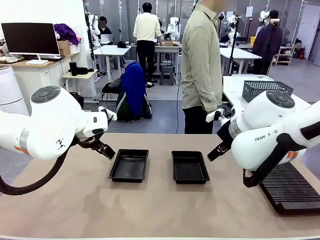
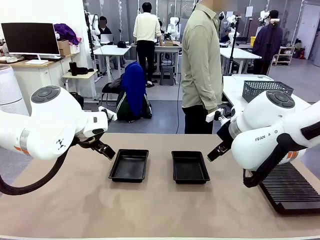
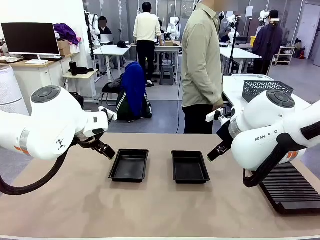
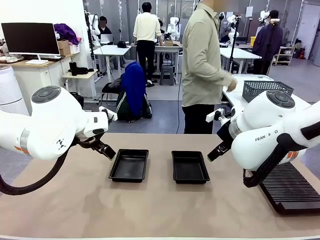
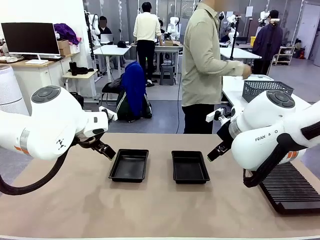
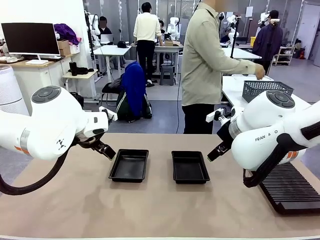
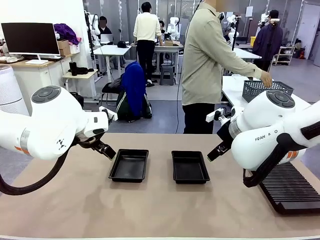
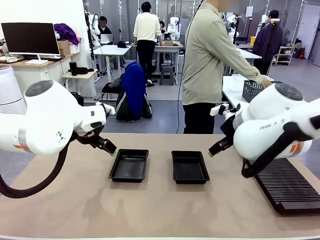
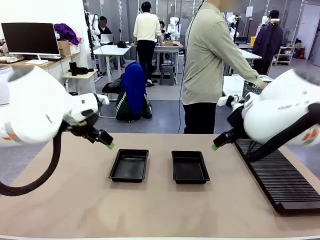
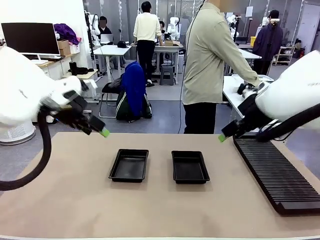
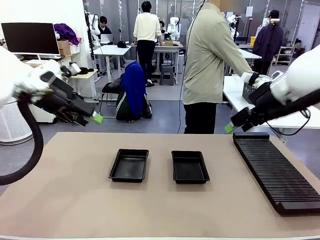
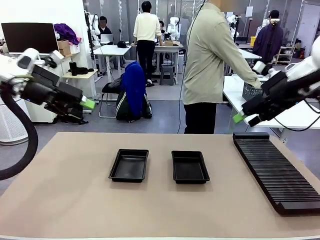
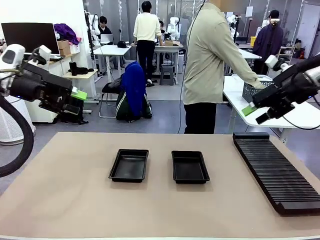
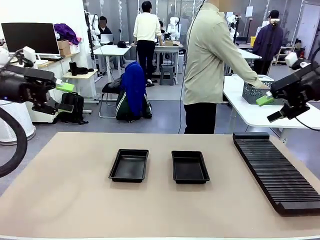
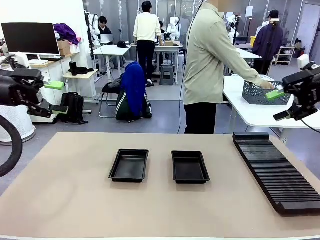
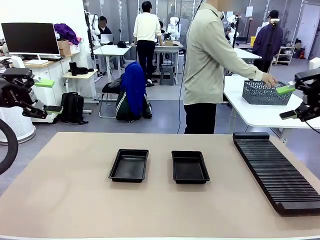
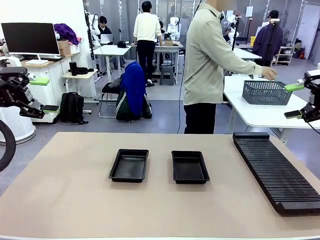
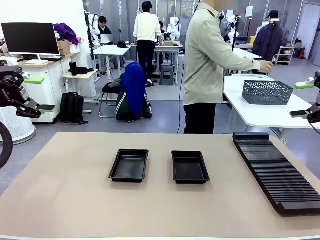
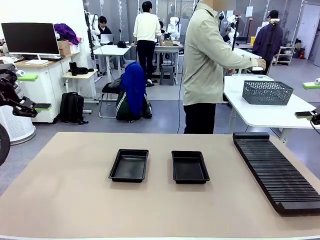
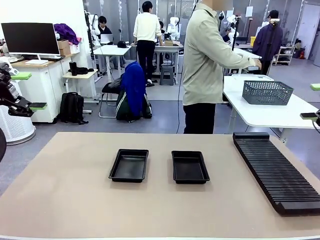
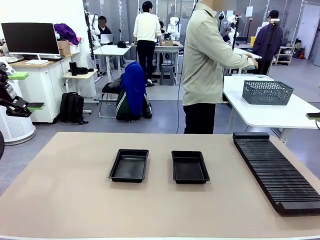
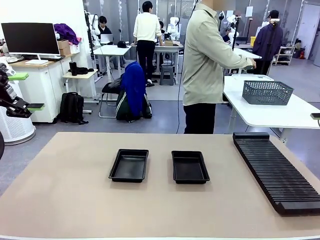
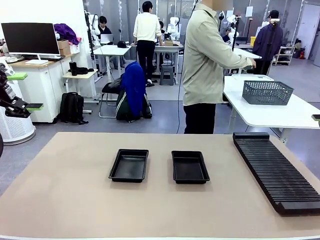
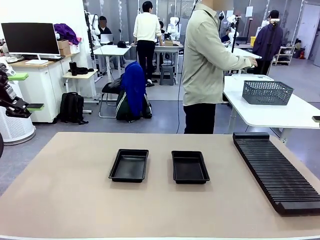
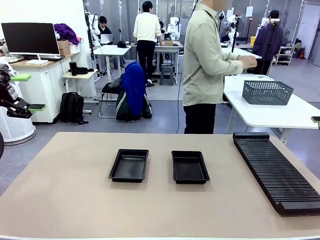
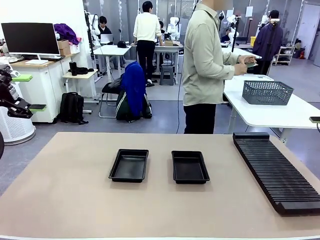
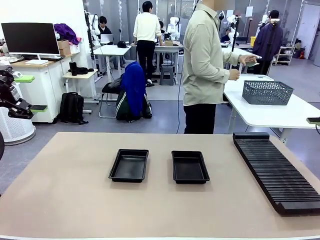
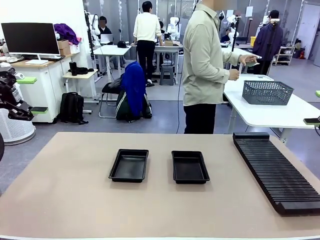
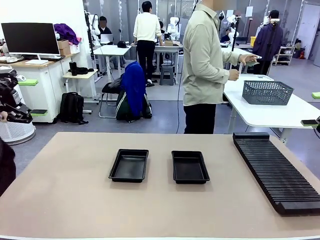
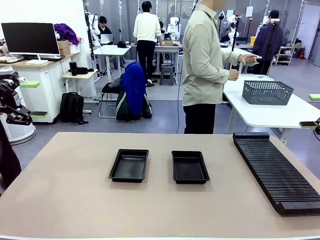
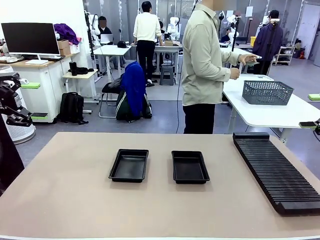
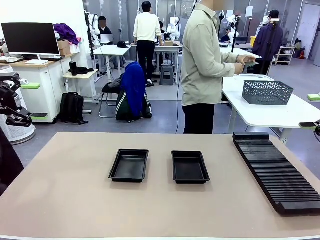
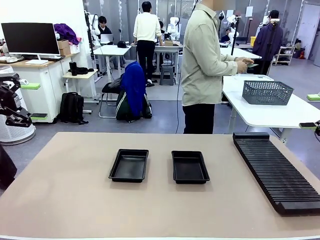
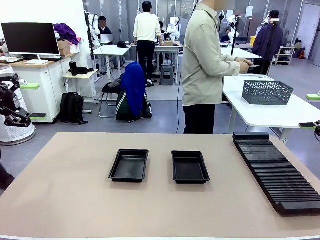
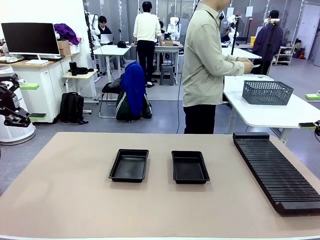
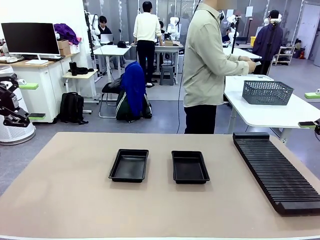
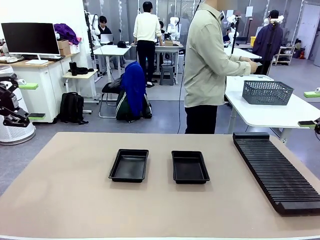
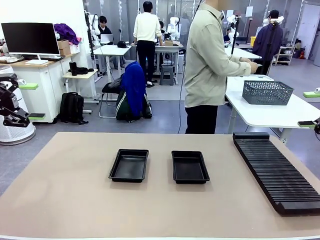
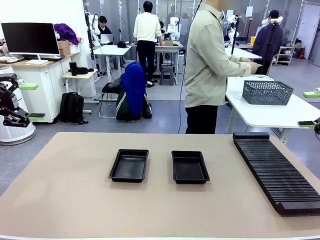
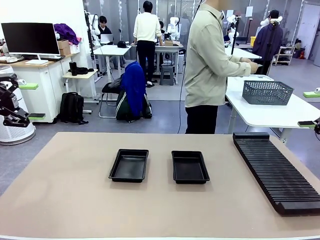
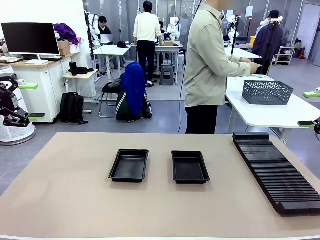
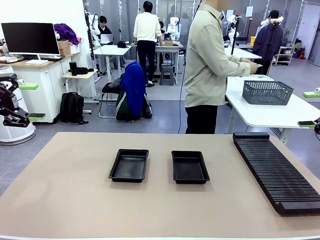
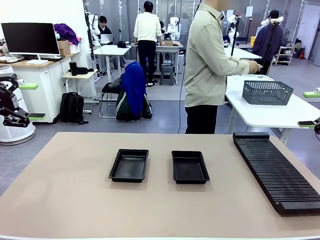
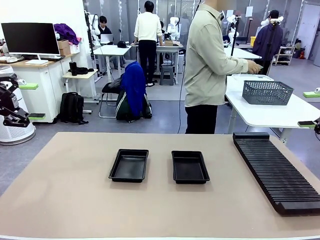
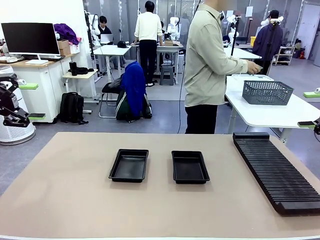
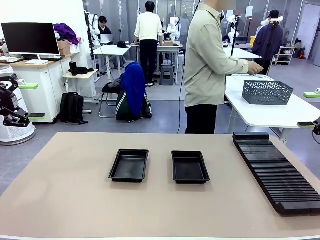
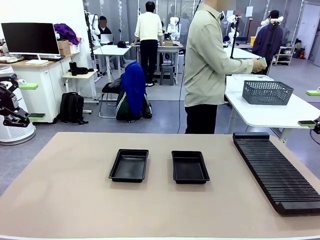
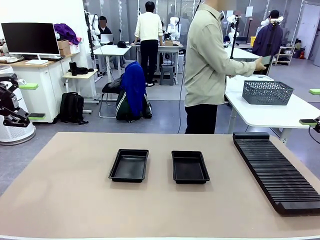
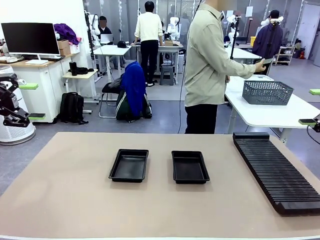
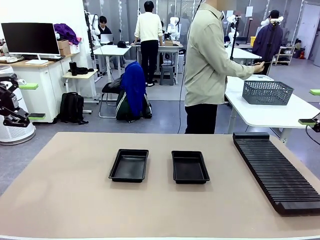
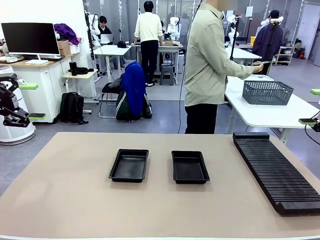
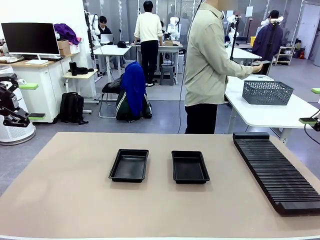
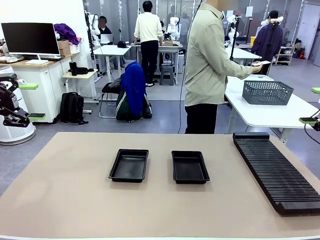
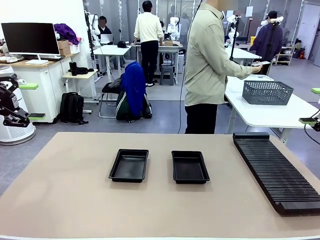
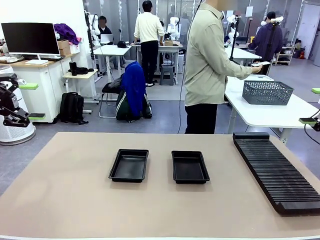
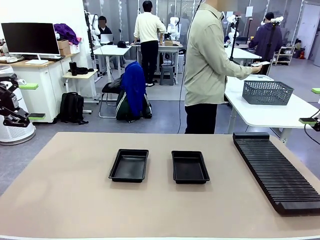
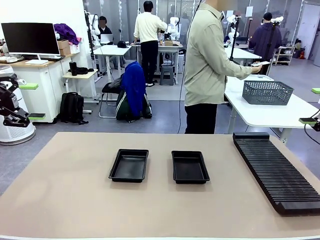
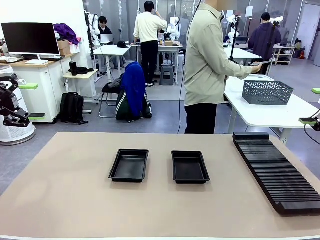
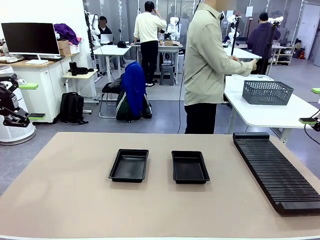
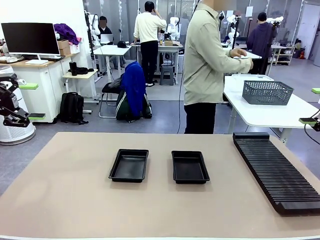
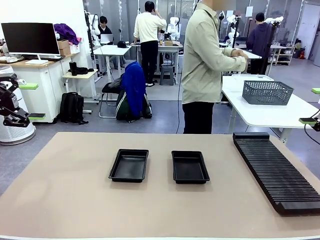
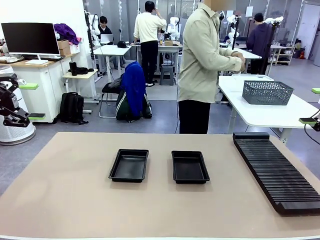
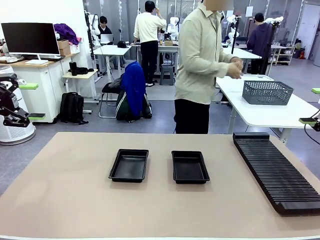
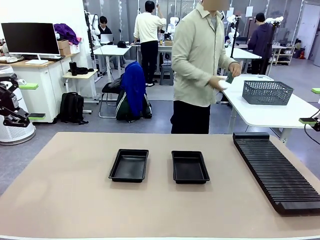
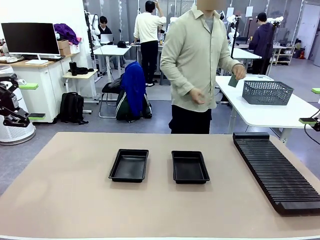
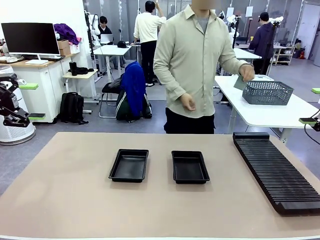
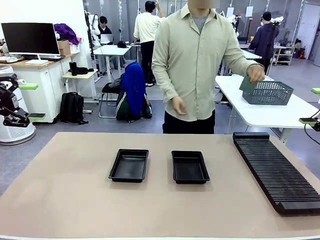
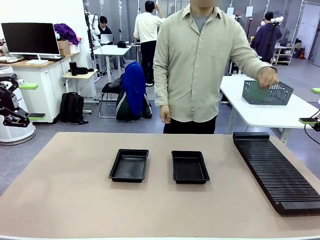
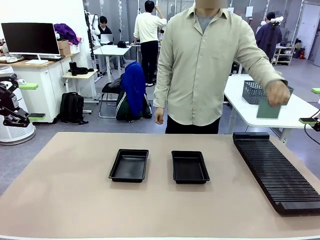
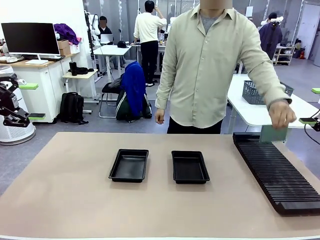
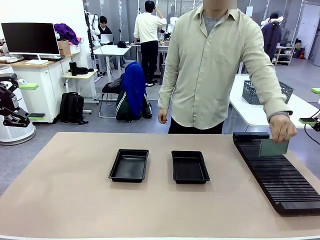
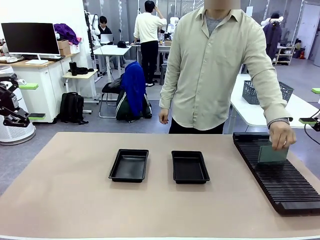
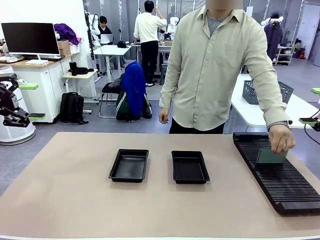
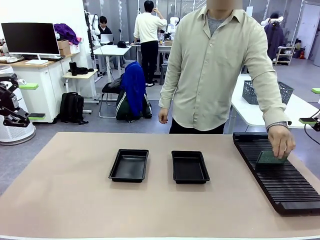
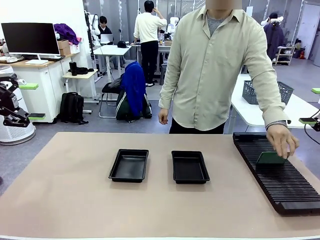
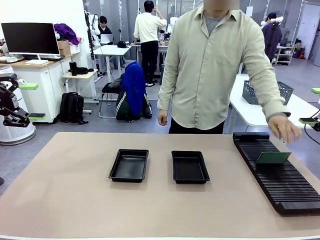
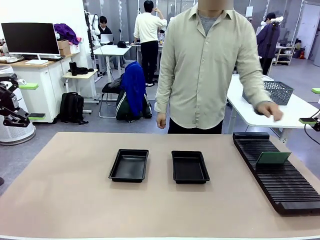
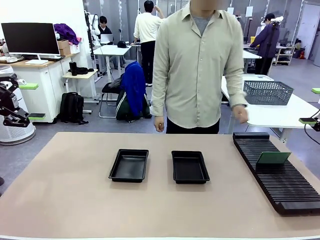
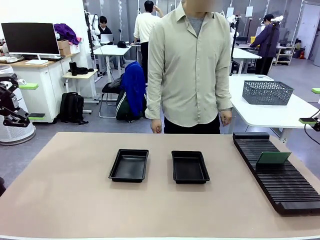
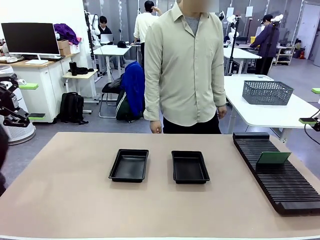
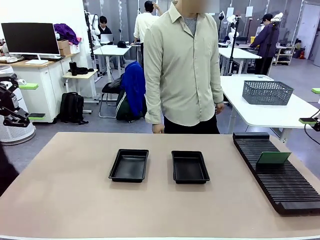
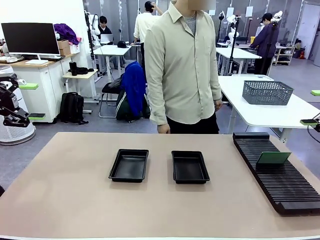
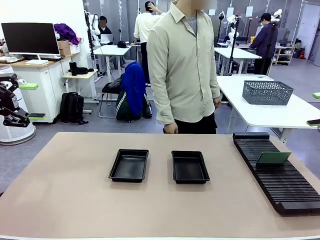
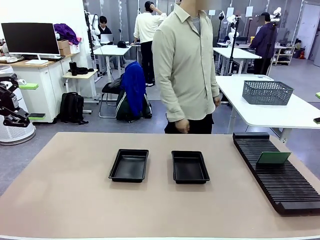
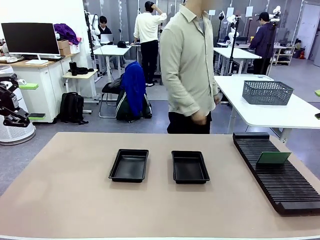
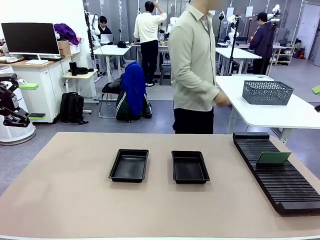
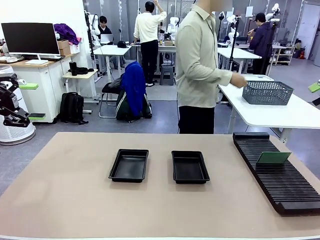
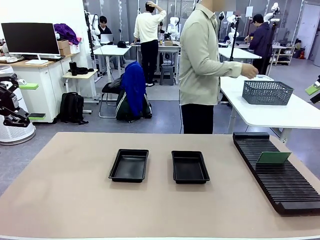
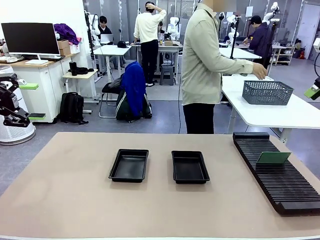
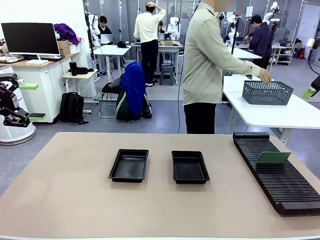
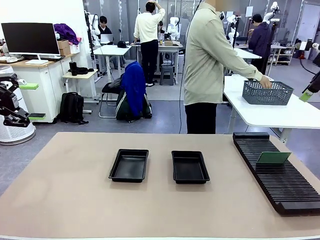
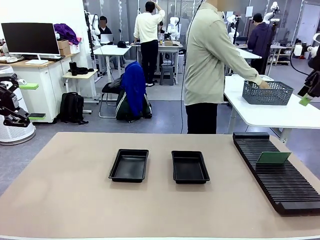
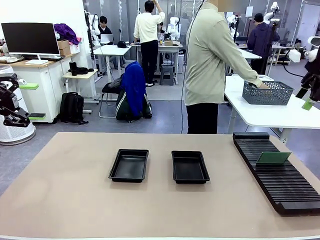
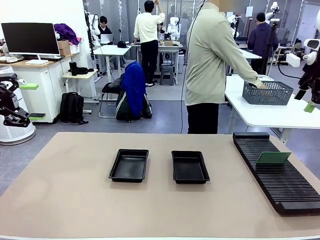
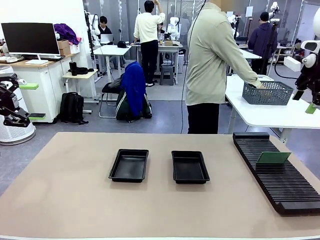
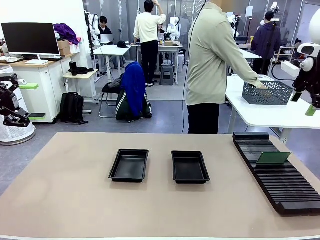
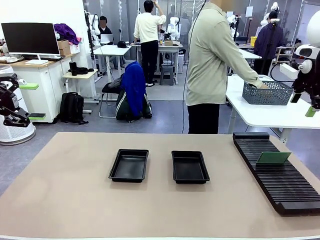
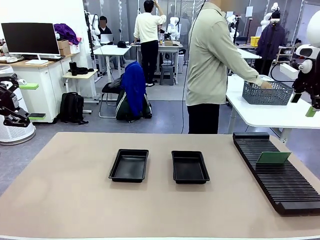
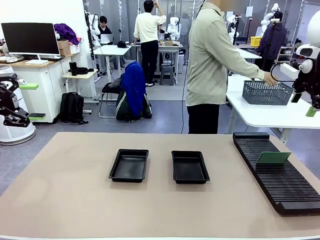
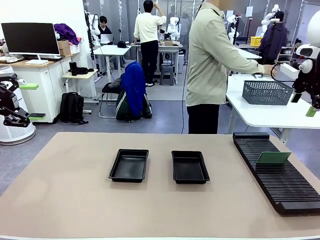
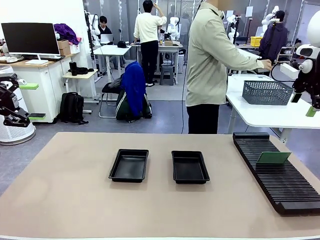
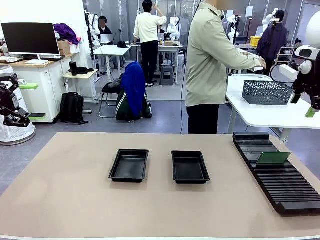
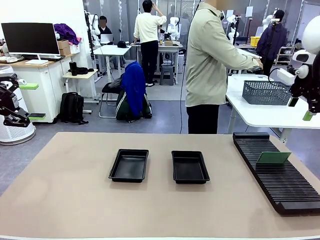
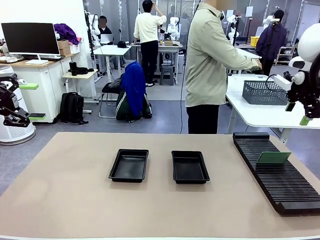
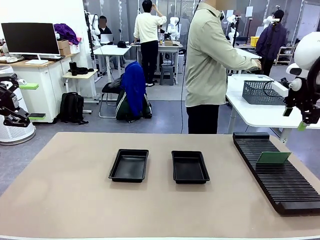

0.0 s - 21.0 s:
Task: Inspect and transfer BCBs to ESD trays.
Robot: Pick up the Blank PCB from the PCB Rack and place it in the left ESD tray.
